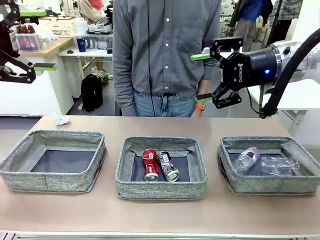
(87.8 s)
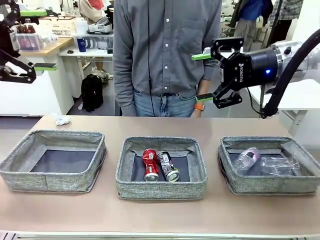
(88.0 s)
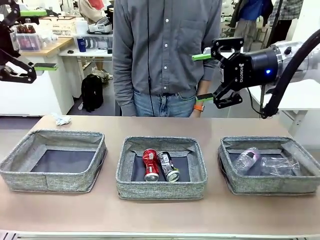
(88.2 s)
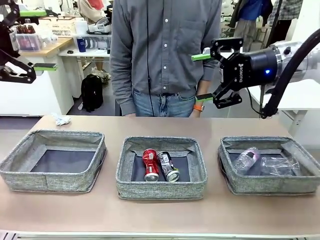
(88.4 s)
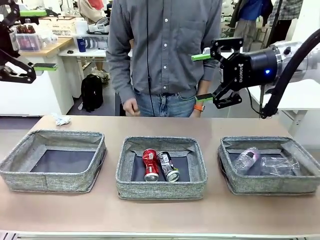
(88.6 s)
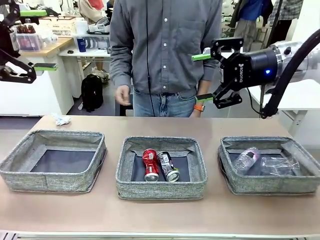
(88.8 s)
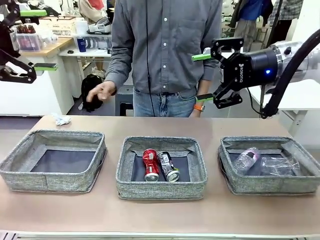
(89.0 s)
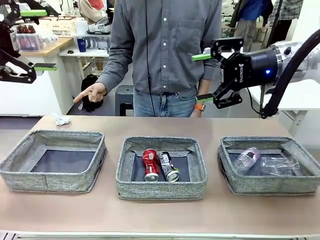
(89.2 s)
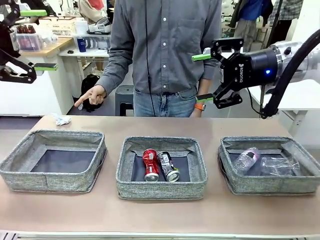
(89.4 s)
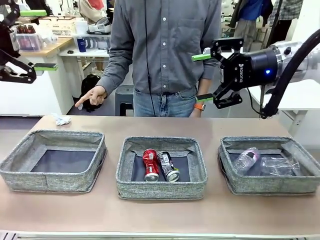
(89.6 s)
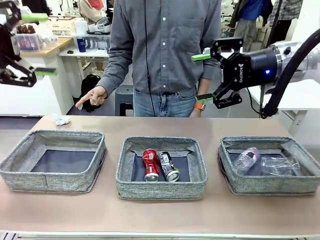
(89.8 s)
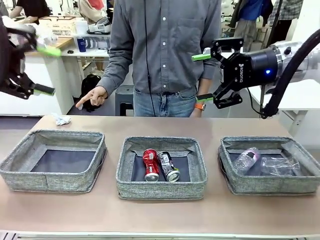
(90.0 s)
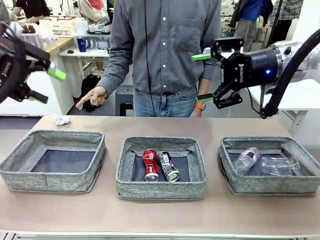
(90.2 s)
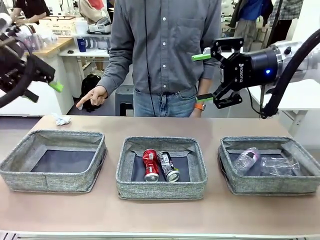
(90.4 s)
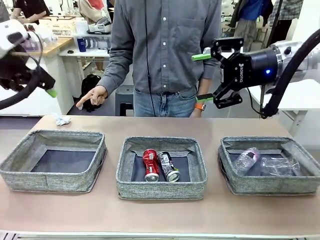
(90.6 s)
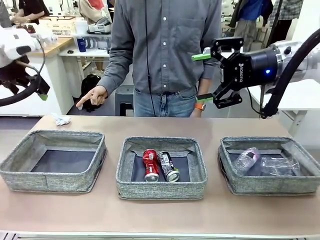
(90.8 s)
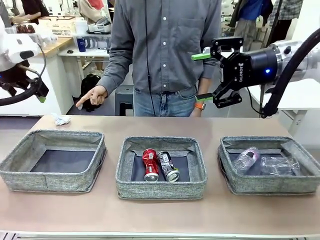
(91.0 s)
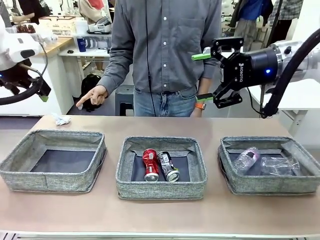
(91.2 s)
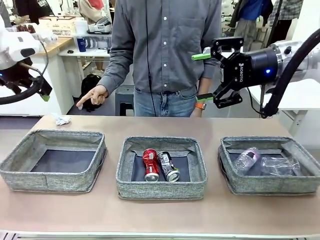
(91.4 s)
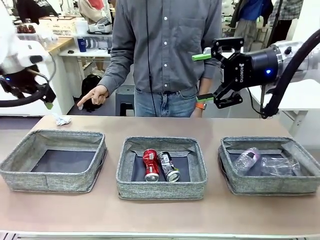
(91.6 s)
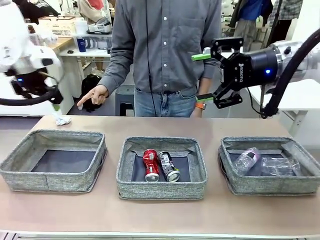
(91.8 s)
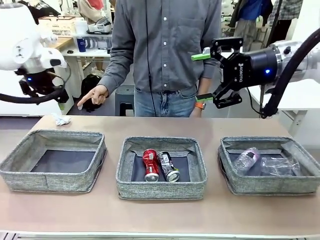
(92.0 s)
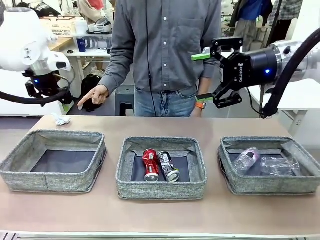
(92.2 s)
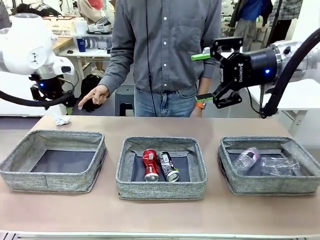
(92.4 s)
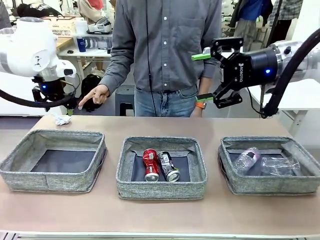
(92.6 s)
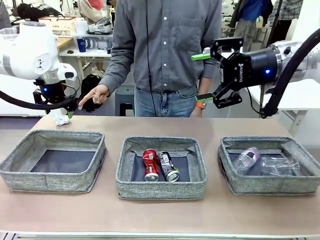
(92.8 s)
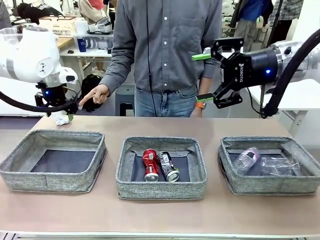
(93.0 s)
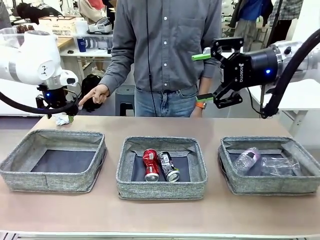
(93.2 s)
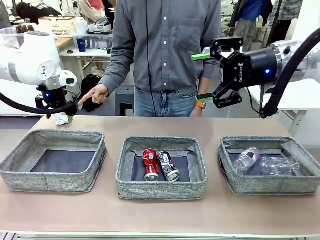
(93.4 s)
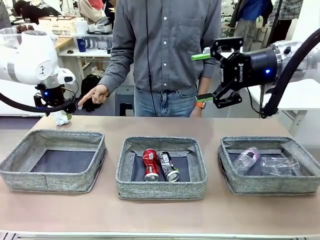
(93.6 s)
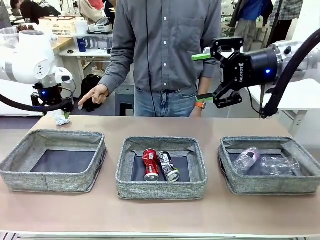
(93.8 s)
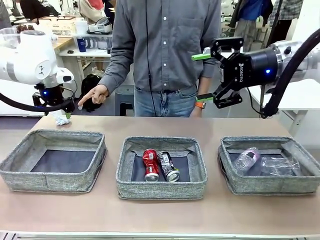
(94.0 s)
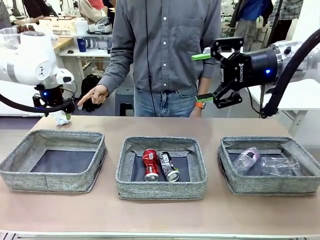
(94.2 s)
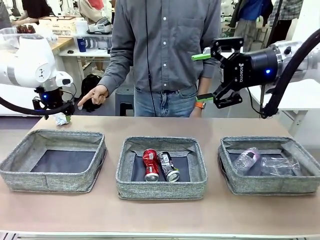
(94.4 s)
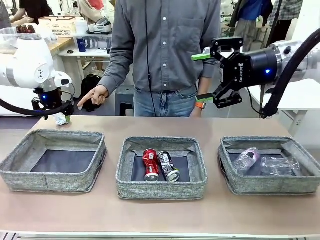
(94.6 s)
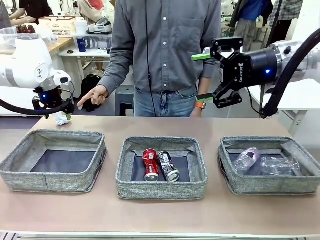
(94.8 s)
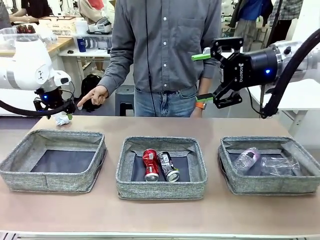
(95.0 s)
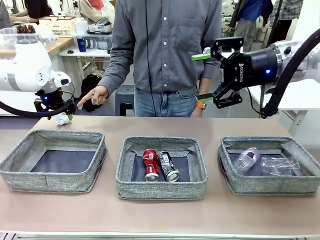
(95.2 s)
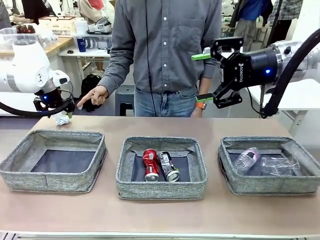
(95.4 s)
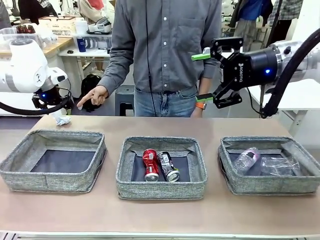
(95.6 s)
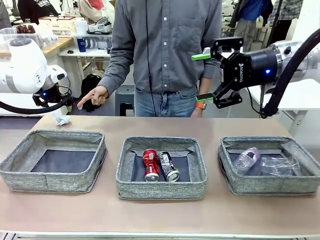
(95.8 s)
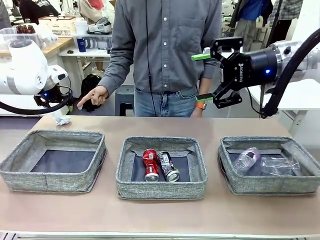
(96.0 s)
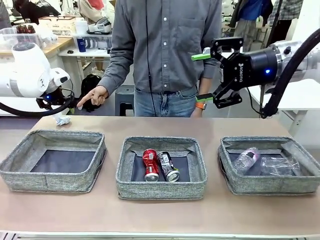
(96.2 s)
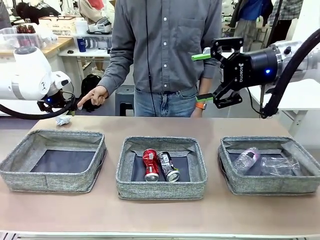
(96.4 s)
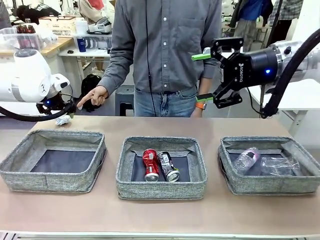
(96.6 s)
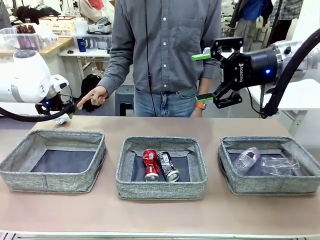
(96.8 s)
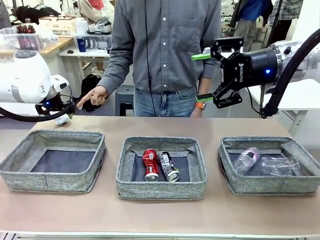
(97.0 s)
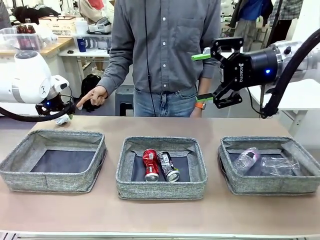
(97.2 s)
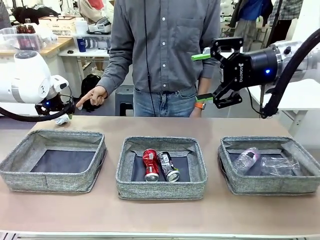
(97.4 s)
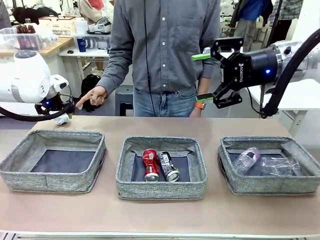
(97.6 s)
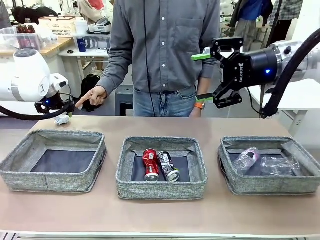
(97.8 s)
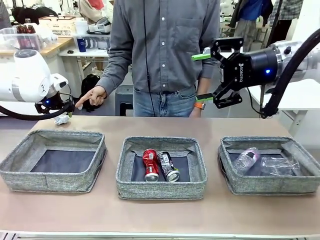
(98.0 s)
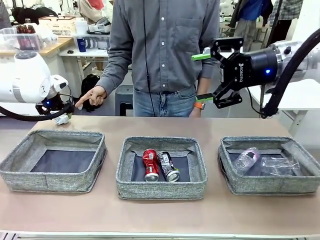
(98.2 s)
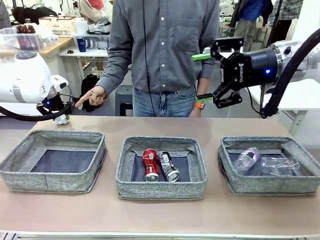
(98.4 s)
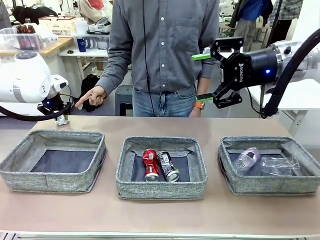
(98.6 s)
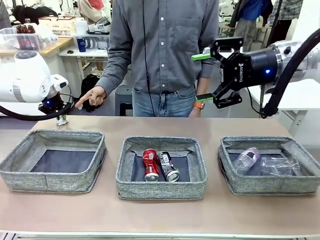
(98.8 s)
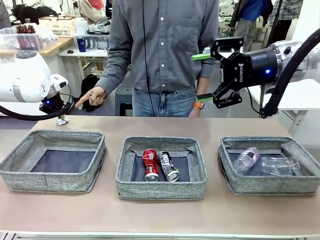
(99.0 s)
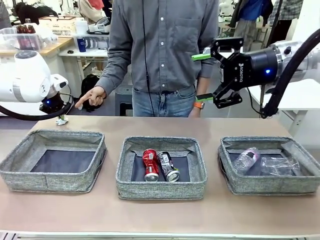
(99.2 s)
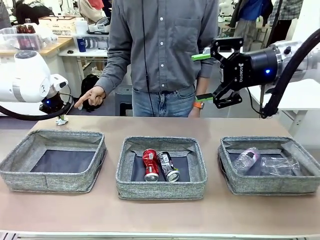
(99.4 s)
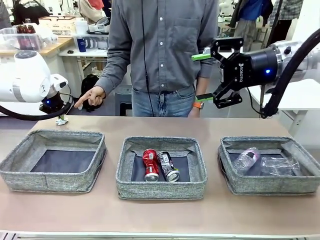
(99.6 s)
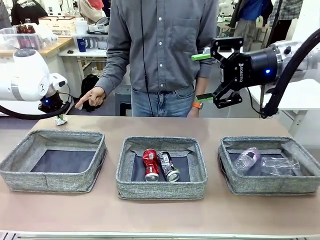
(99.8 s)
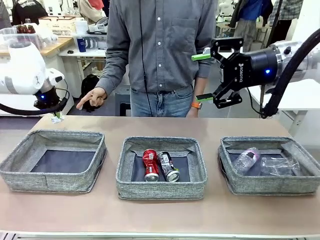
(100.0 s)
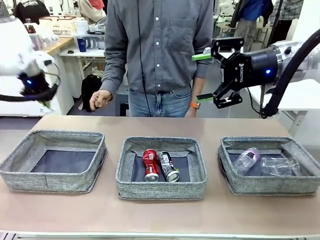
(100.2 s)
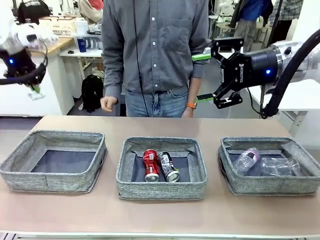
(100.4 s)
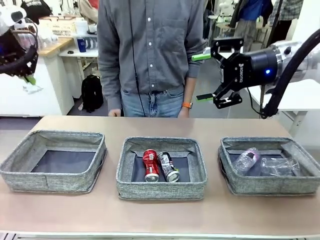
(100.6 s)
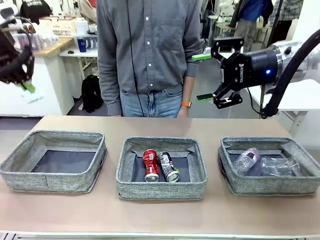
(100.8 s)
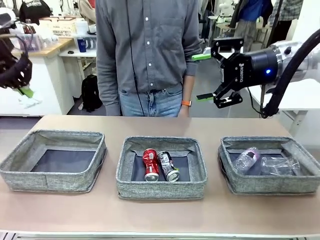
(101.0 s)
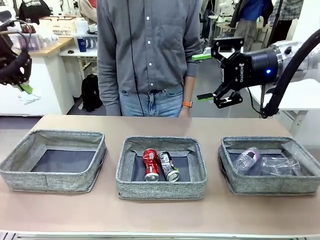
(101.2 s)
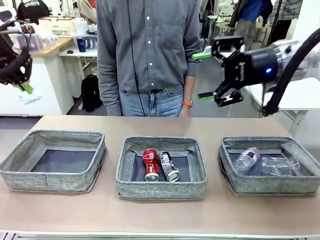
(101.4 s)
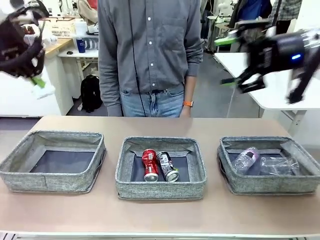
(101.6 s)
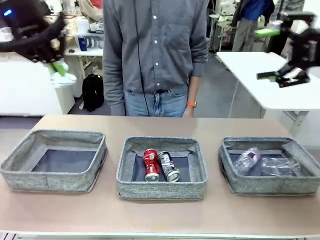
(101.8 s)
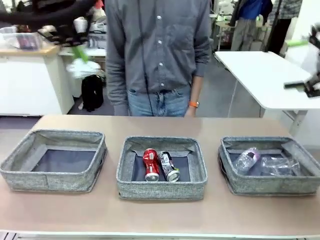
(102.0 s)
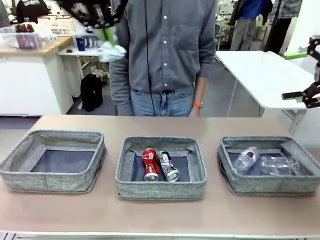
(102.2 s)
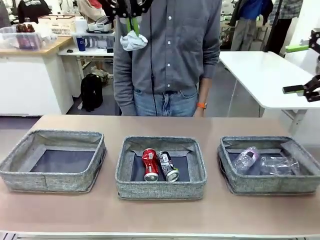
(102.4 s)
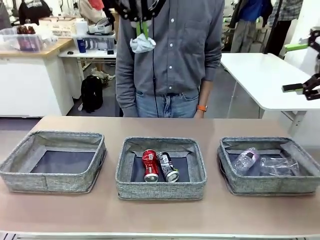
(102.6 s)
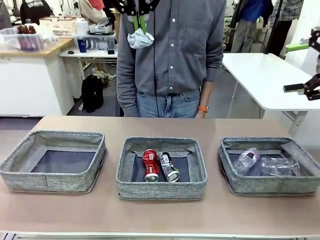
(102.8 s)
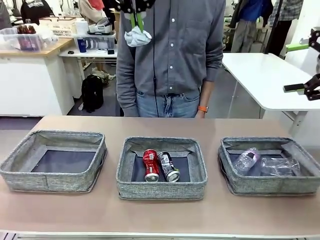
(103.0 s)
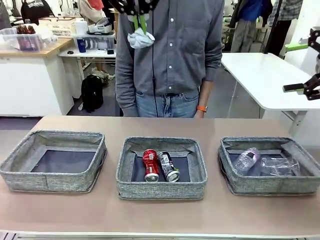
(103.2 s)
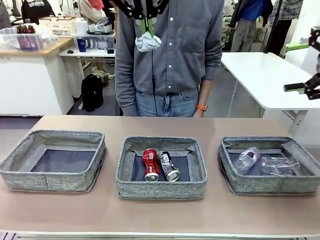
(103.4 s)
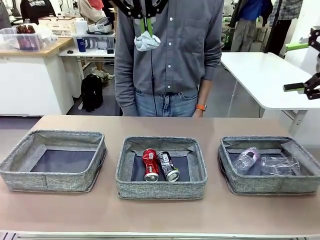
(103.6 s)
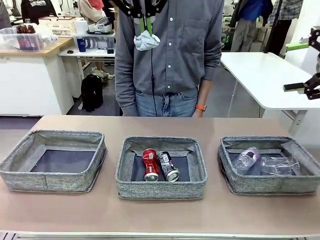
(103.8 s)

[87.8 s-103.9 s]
Task: Sort the waste into the appropriate baskets.
Robot: Pick up the waste item pointed out by the person.
Person: Points to one piece of trash on the table.

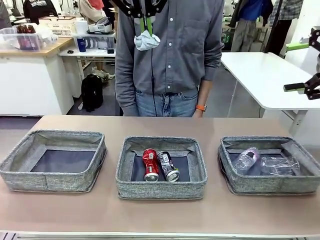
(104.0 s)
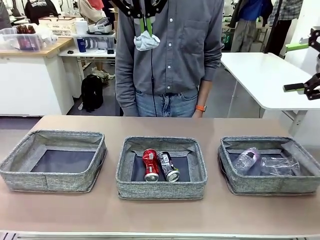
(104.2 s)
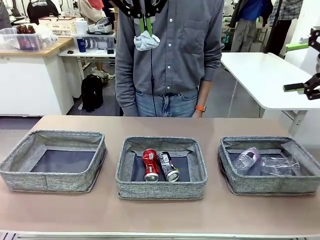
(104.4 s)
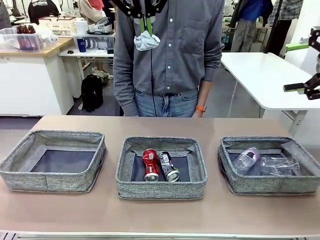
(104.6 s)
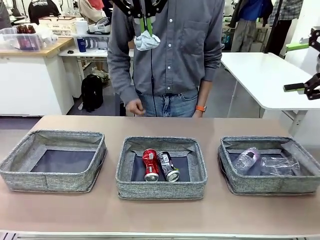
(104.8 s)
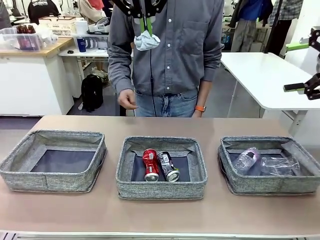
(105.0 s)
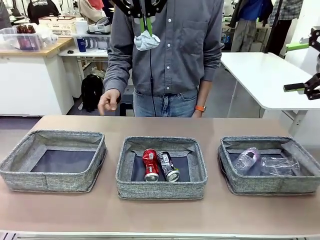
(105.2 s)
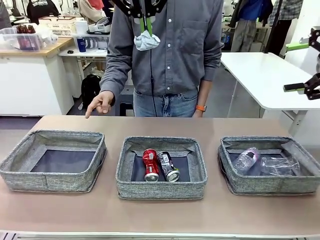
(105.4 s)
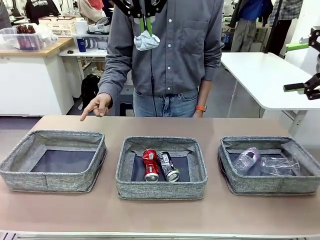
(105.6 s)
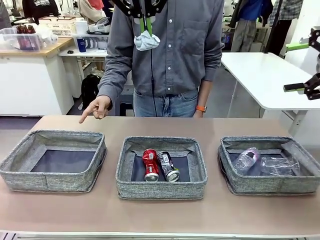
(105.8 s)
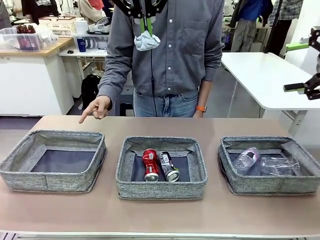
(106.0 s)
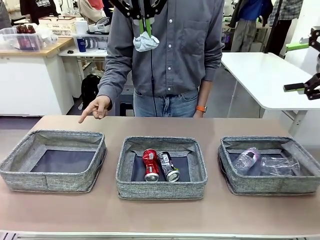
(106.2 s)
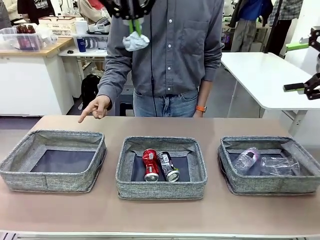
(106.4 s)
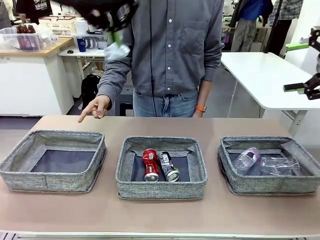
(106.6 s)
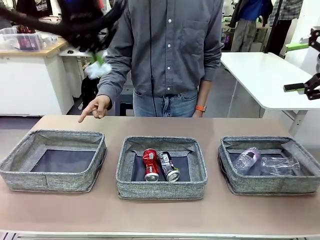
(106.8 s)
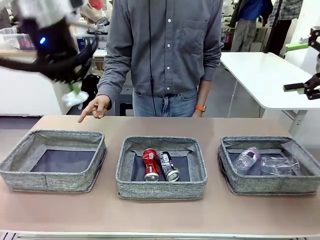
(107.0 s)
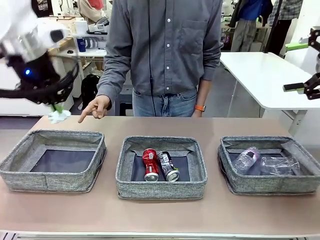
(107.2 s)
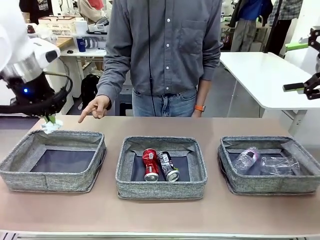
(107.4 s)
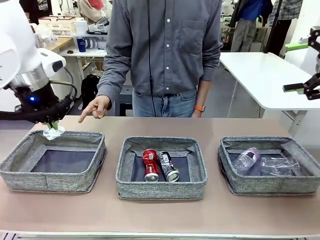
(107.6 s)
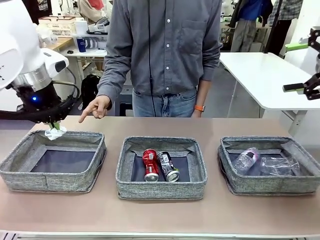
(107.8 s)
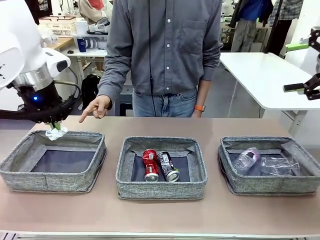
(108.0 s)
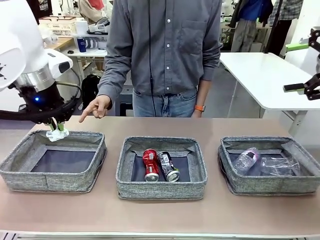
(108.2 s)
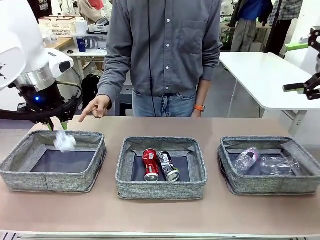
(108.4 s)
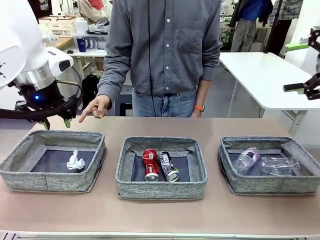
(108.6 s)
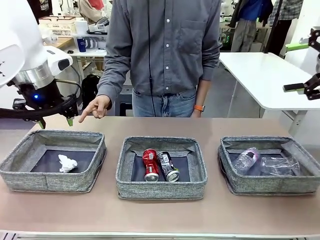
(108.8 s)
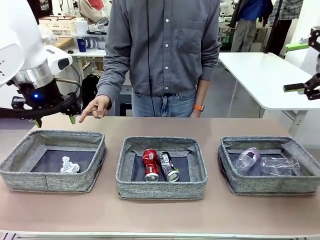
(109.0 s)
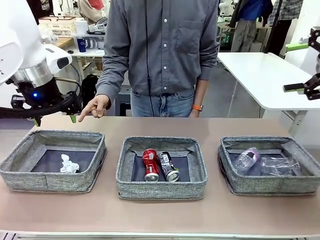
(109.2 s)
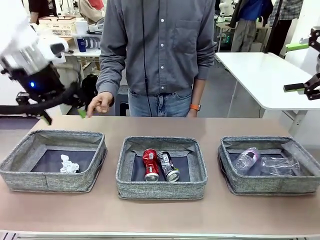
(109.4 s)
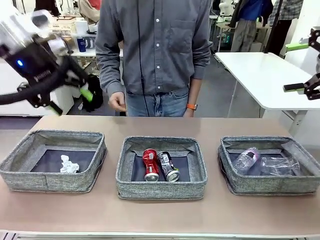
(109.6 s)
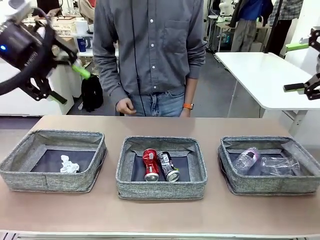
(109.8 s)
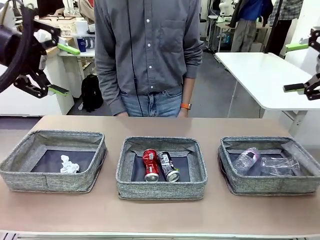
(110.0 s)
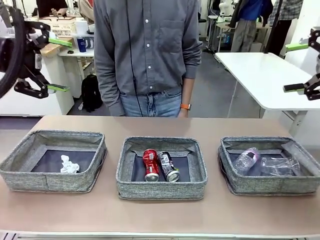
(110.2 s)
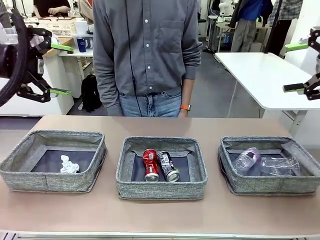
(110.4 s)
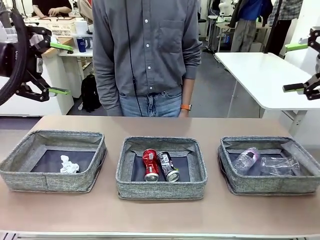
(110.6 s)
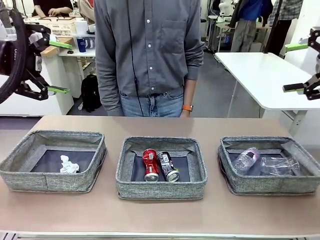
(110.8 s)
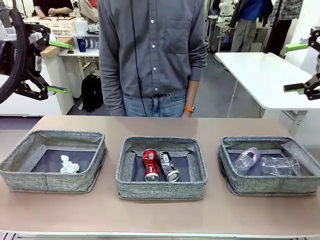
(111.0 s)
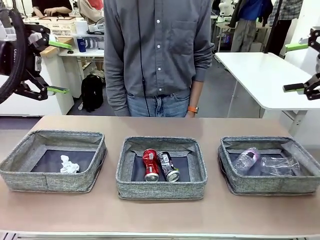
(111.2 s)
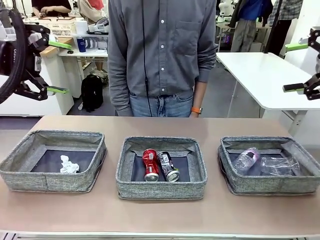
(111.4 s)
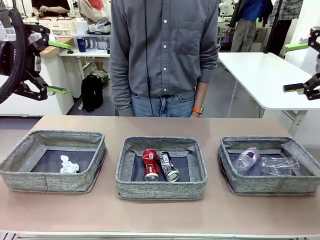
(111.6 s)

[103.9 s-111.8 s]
Robot: Place the picked waste into the Fabric basket indicated by the person.
Person: Instructs the robot to place the picked-up trash into the appropriate organizing basket.
